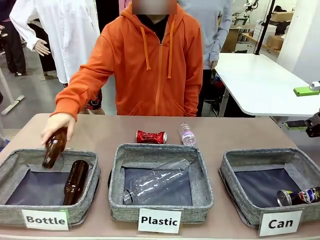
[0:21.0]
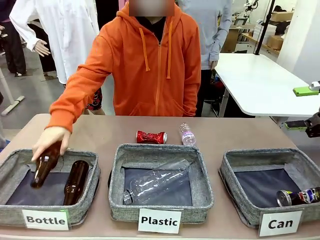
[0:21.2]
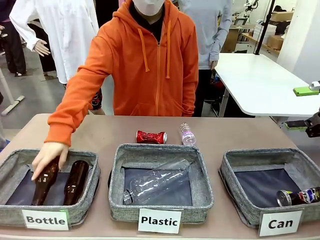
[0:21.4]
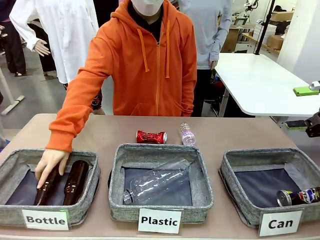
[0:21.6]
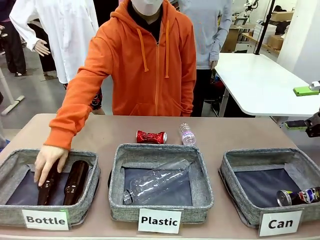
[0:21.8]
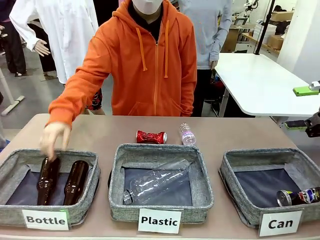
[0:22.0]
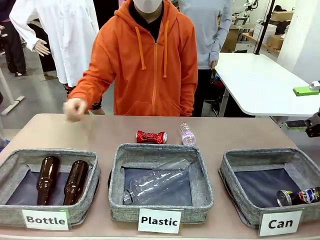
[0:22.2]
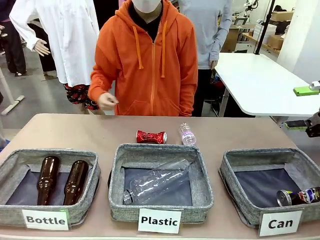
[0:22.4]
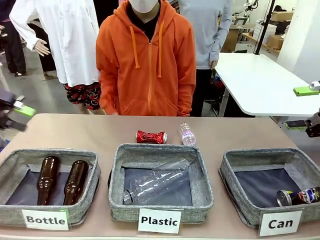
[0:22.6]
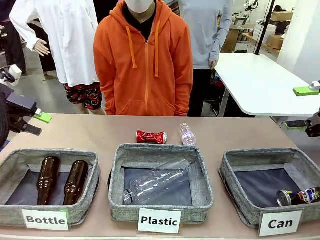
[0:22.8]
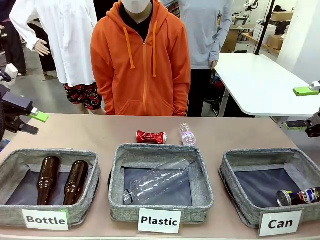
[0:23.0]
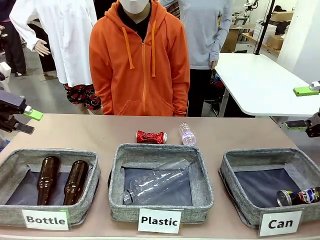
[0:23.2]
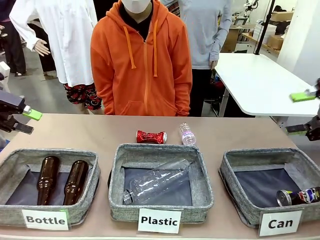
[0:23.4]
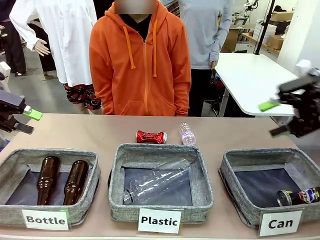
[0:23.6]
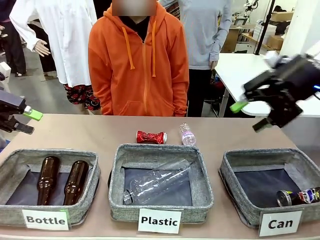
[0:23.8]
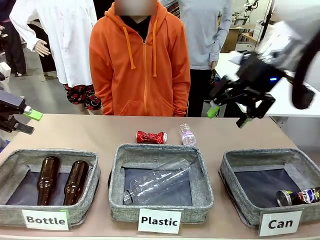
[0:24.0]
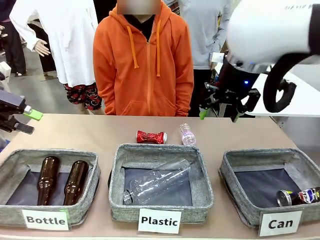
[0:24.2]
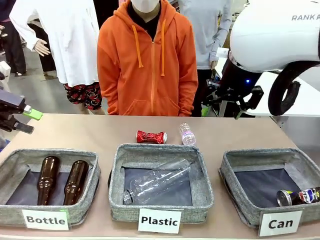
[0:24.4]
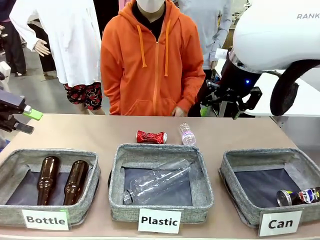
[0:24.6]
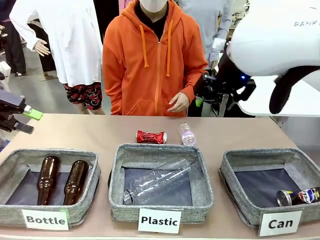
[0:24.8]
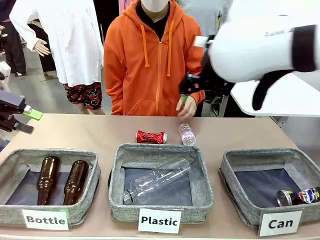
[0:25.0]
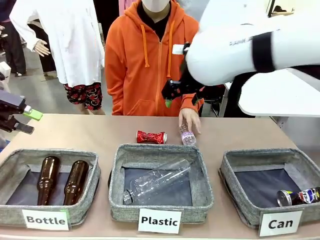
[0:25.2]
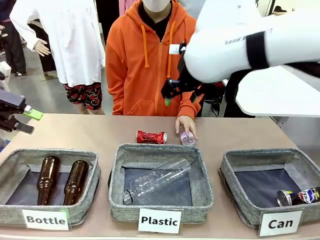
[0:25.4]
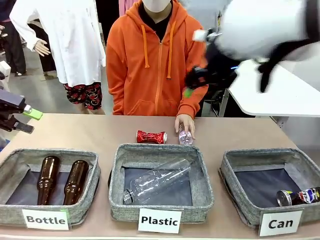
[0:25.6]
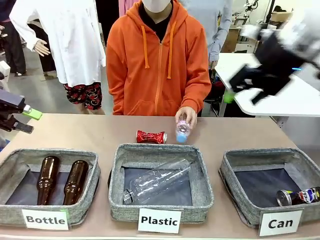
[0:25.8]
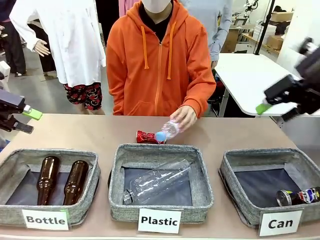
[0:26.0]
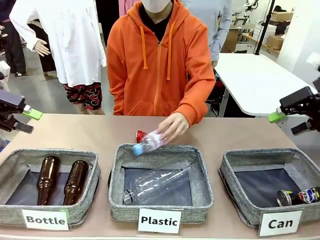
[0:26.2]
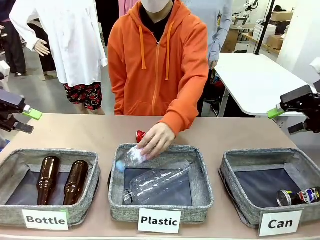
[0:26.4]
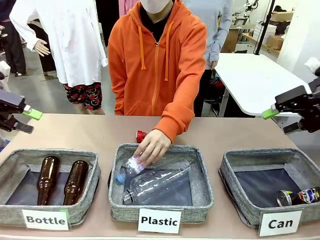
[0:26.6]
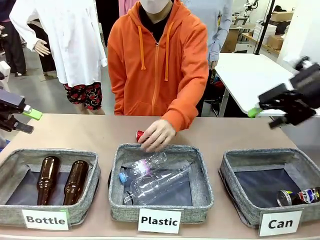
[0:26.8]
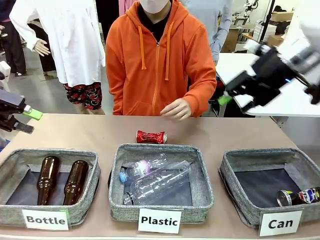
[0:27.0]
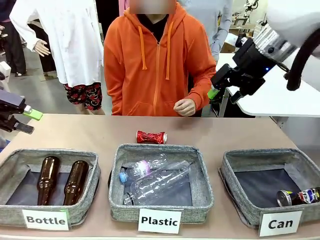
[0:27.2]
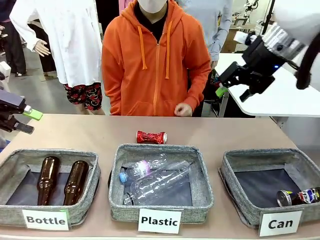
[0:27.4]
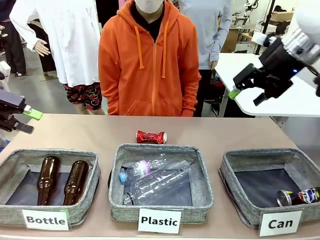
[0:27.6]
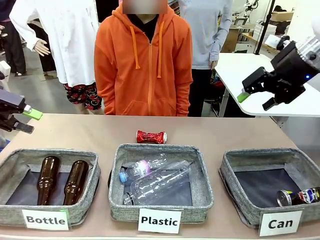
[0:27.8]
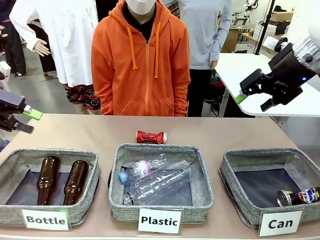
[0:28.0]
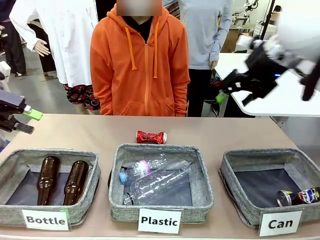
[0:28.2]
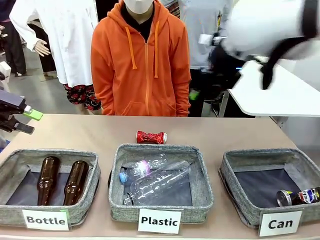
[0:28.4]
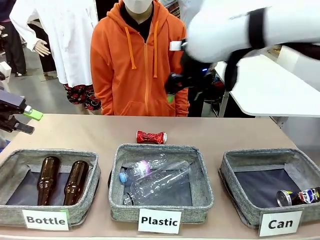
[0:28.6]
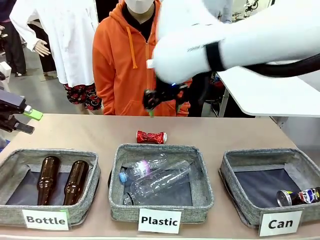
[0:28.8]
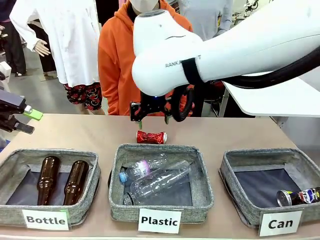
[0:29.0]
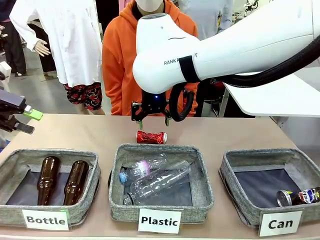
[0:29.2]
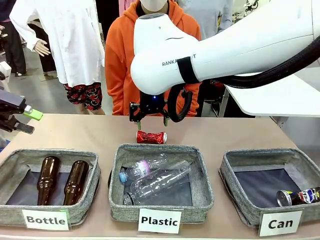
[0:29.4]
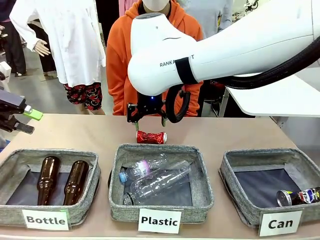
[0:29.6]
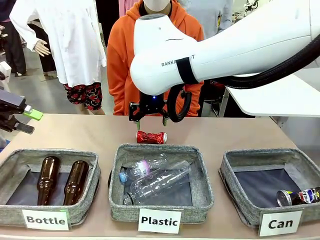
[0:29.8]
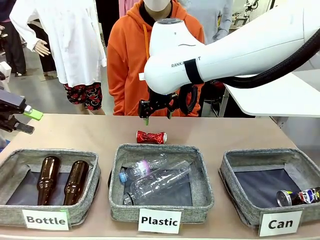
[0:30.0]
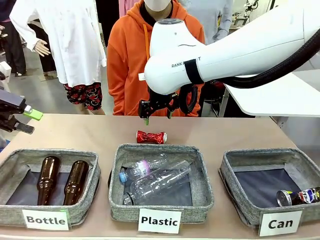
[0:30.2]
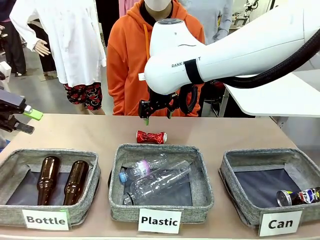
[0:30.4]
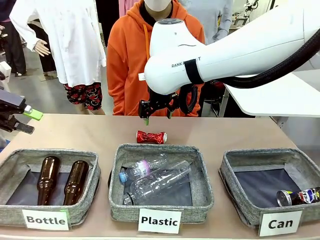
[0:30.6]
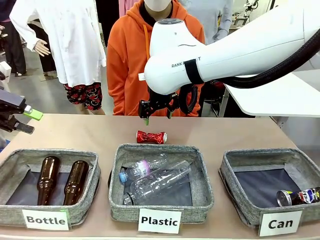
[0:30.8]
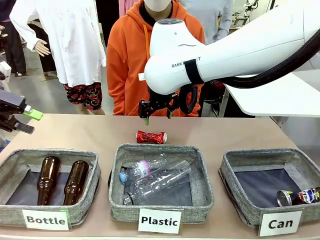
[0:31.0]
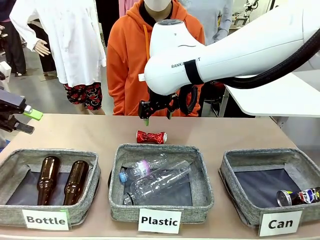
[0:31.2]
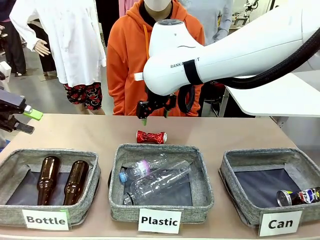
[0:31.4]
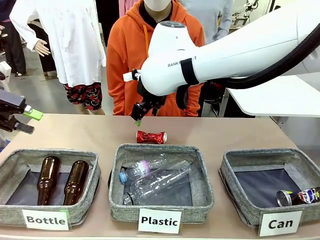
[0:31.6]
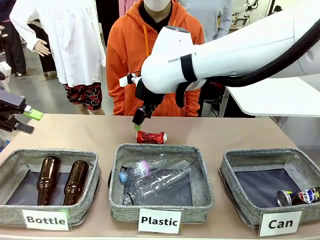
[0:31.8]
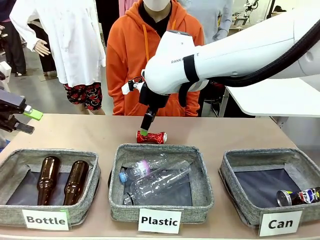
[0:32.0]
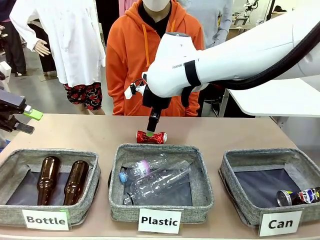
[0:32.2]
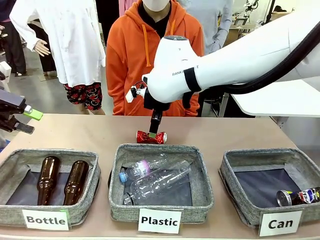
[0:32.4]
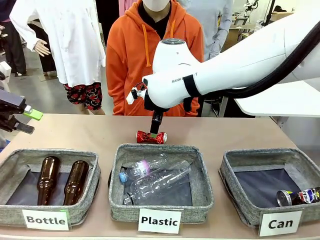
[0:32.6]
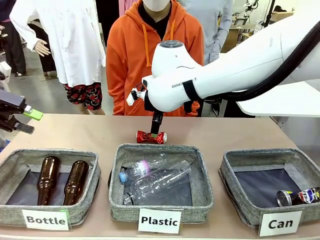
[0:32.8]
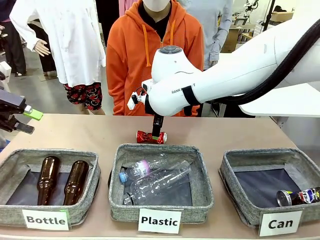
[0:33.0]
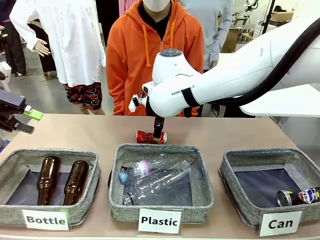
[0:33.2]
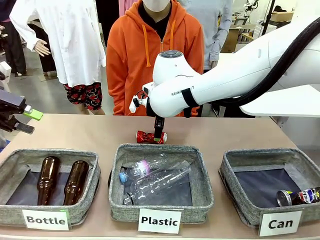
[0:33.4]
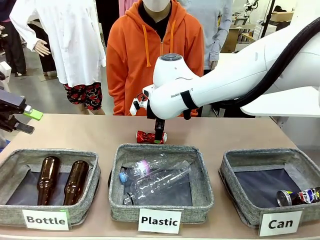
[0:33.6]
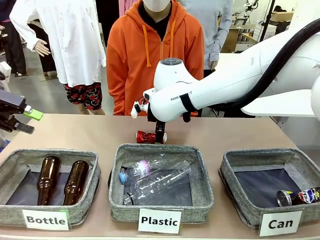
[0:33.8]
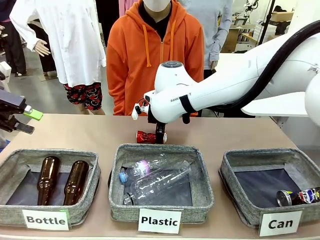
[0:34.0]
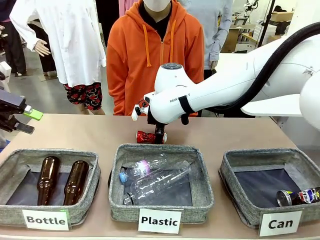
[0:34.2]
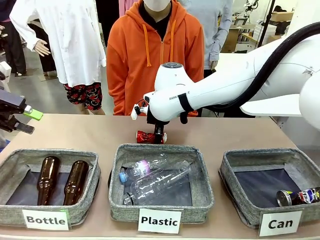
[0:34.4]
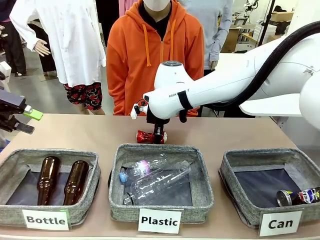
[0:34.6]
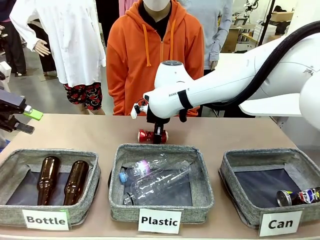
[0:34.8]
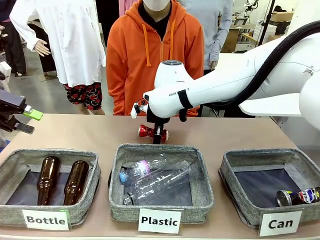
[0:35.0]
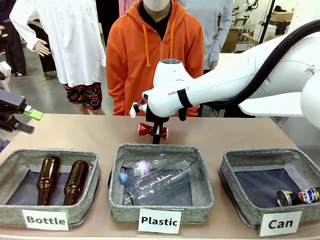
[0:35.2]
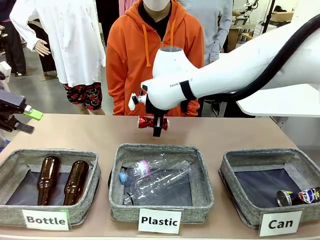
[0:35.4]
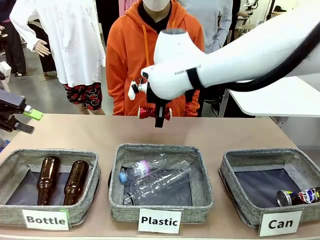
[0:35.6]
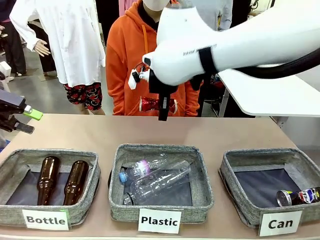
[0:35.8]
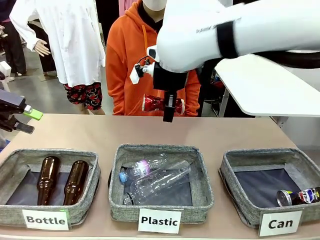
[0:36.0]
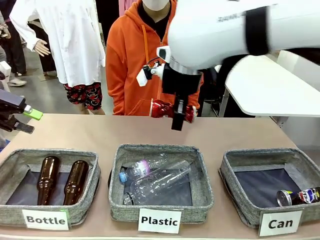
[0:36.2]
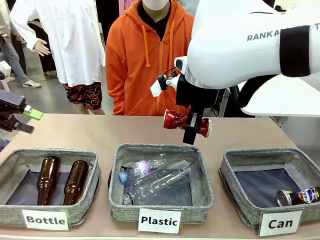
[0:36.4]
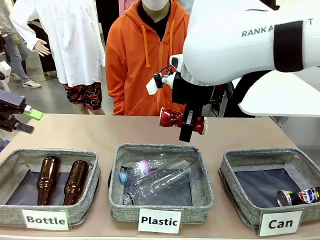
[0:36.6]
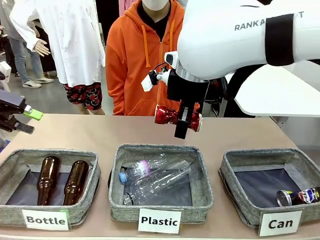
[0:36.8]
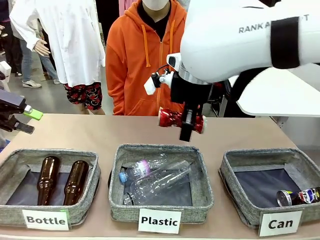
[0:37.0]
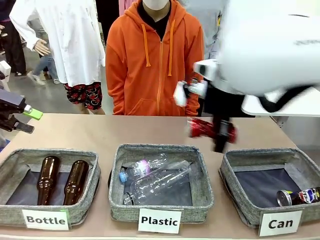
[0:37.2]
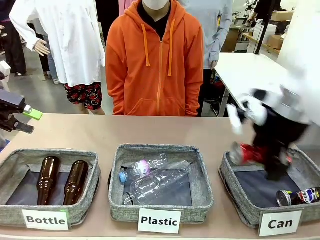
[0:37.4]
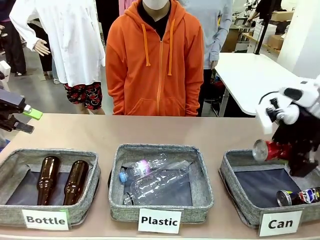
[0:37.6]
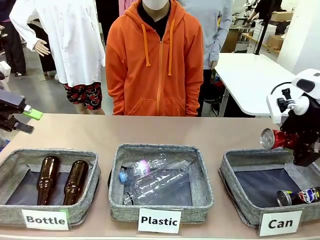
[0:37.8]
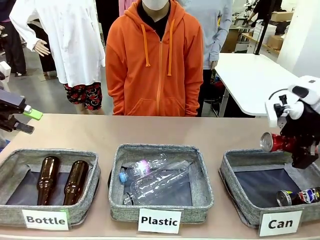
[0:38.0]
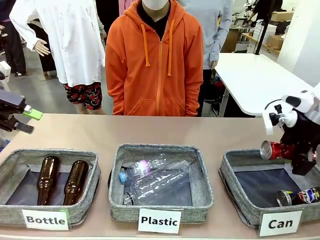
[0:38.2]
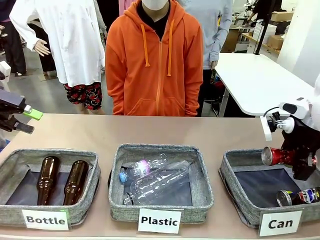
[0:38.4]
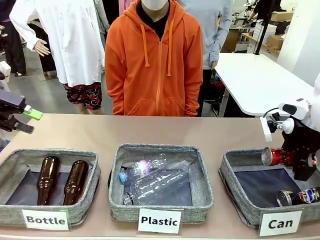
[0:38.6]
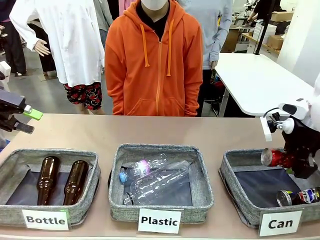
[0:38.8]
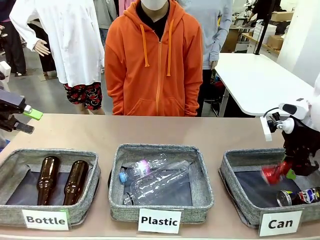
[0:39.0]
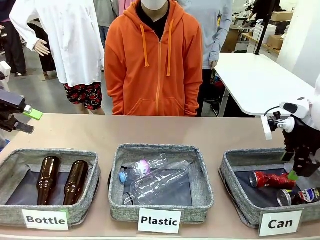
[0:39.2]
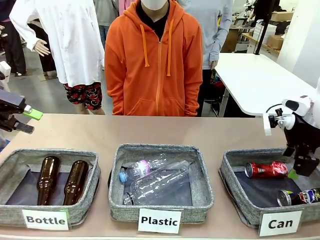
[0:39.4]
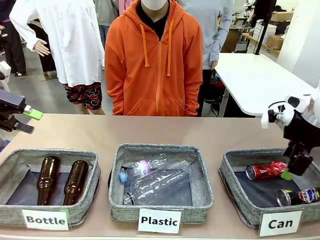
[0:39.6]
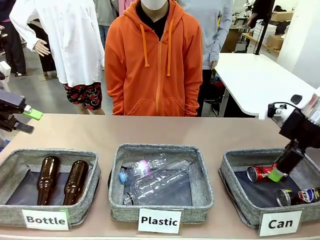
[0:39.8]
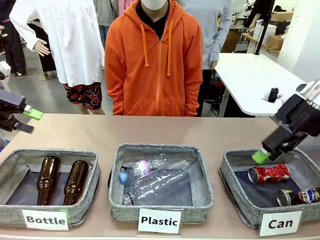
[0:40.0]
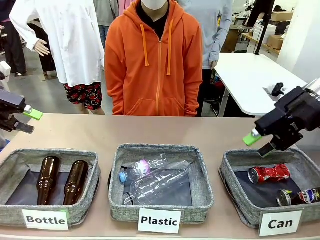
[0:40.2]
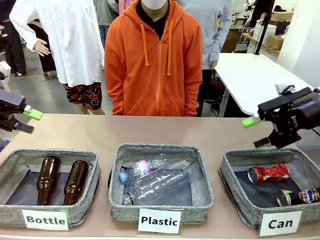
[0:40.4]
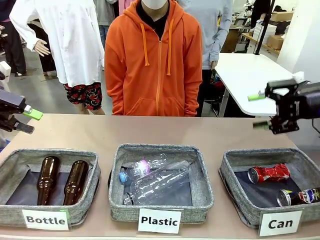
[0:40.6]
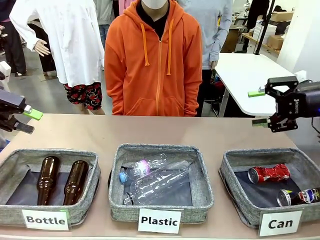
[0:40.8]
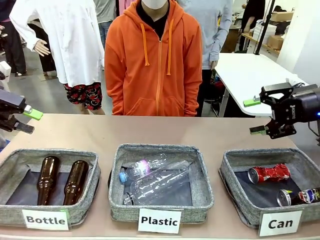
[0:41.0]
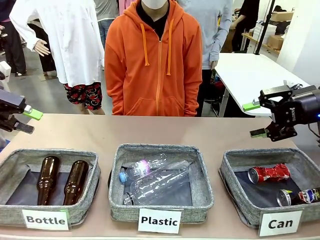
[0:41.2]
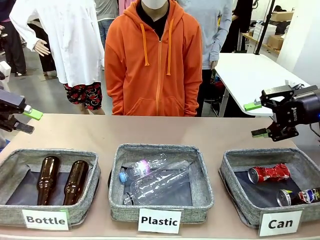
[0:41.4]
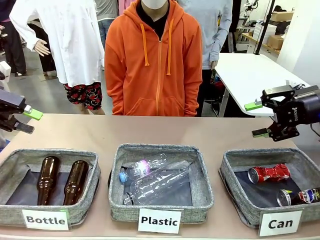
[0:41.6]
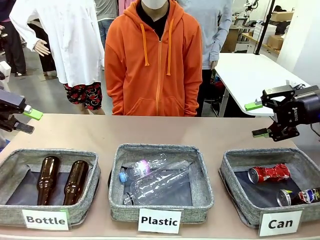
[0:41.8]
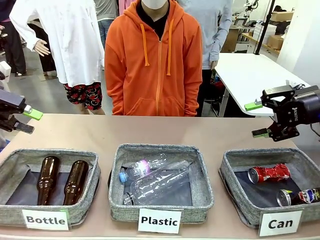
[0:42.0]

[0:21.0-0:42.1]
Task: Sort the can waste into the basket.
Robot: Pick up the can waste from the table and place it in the right Fabric basket.
Person: The human picks up one piece of trash that is not a can and places the trash into the appropriate organizing basket.
